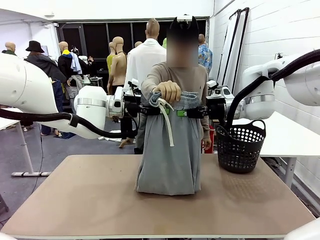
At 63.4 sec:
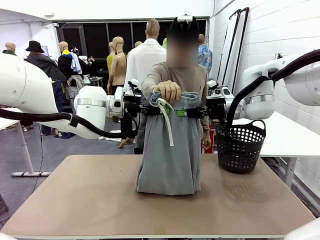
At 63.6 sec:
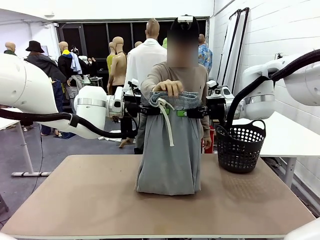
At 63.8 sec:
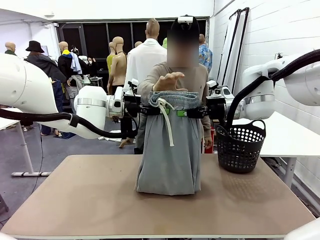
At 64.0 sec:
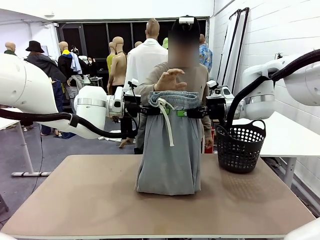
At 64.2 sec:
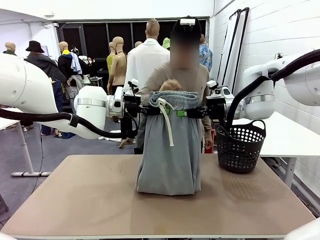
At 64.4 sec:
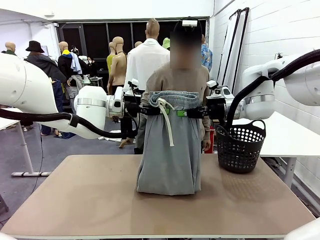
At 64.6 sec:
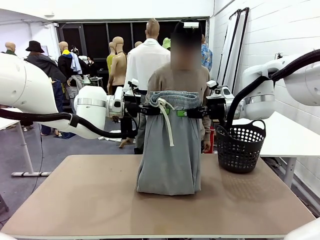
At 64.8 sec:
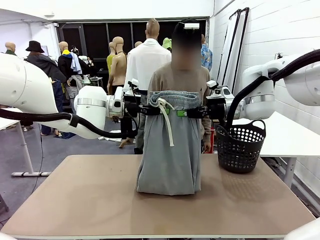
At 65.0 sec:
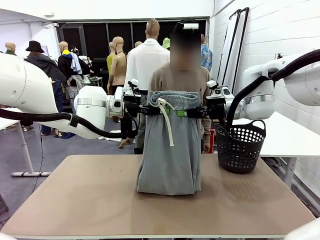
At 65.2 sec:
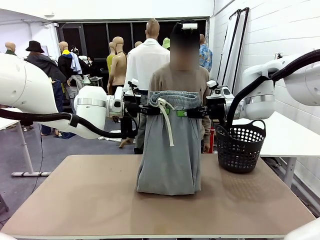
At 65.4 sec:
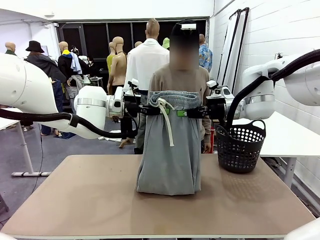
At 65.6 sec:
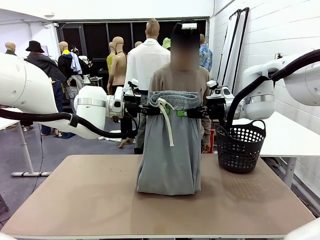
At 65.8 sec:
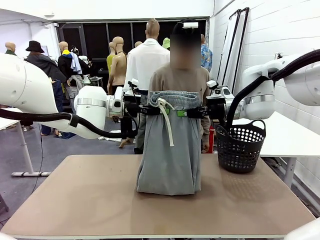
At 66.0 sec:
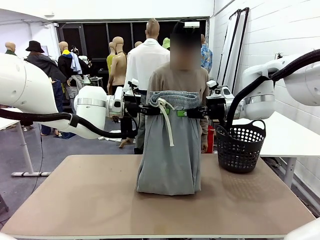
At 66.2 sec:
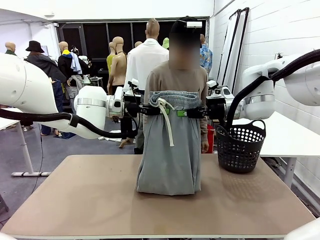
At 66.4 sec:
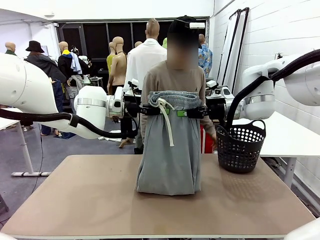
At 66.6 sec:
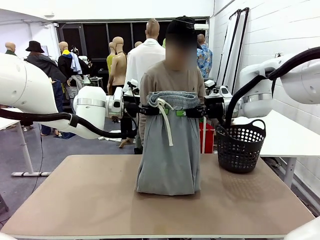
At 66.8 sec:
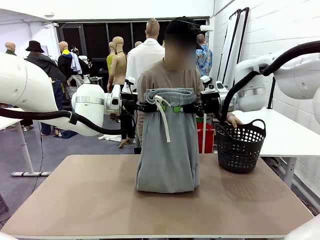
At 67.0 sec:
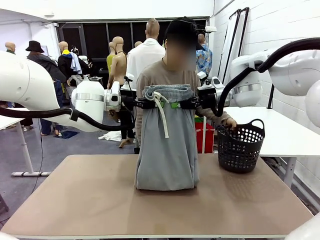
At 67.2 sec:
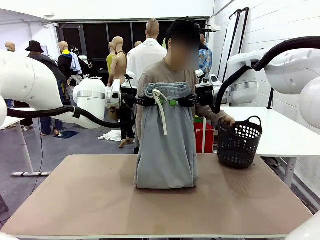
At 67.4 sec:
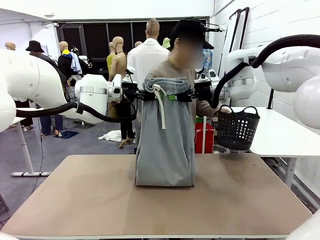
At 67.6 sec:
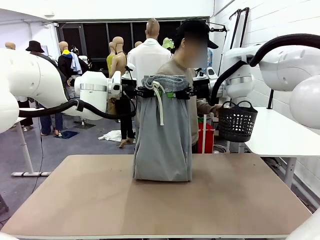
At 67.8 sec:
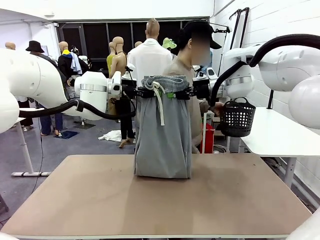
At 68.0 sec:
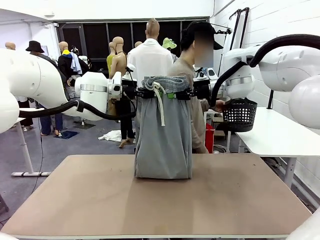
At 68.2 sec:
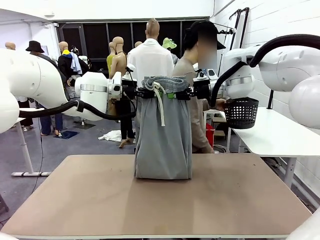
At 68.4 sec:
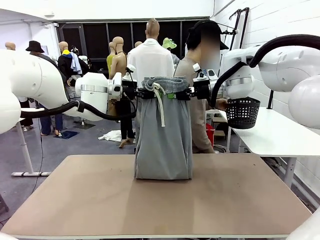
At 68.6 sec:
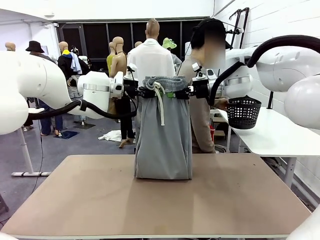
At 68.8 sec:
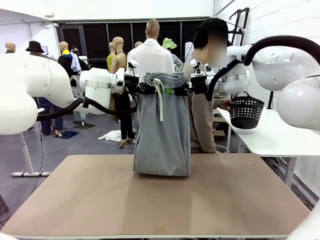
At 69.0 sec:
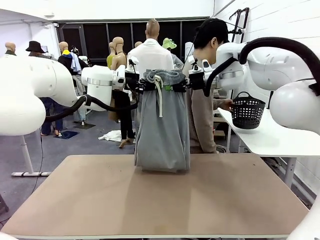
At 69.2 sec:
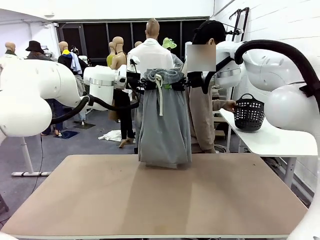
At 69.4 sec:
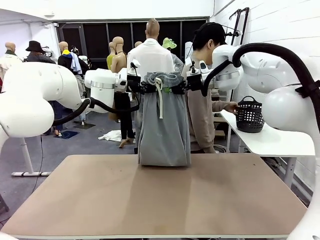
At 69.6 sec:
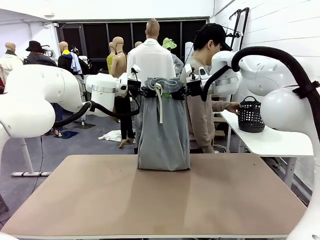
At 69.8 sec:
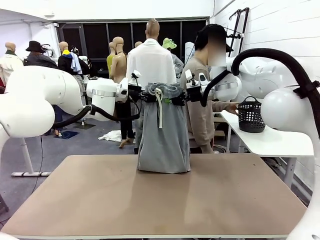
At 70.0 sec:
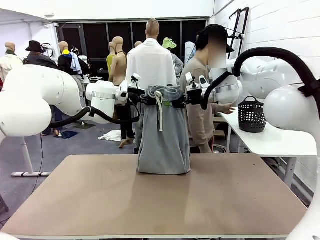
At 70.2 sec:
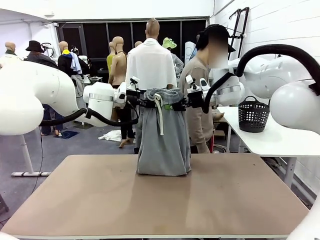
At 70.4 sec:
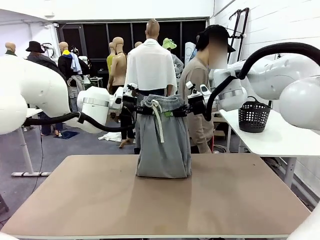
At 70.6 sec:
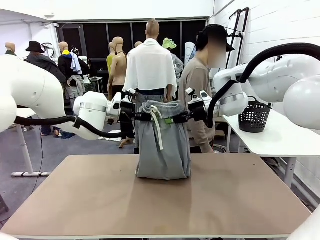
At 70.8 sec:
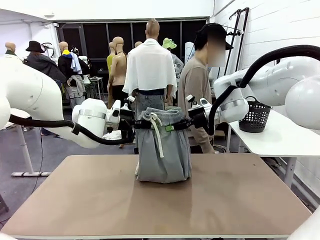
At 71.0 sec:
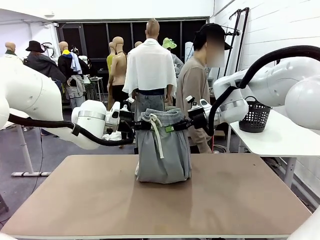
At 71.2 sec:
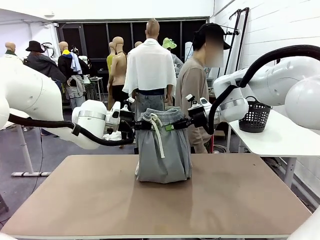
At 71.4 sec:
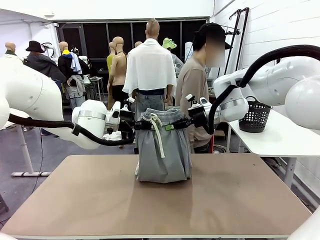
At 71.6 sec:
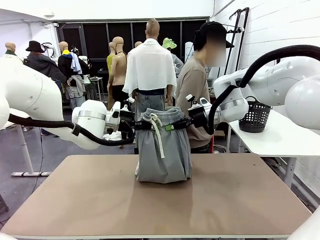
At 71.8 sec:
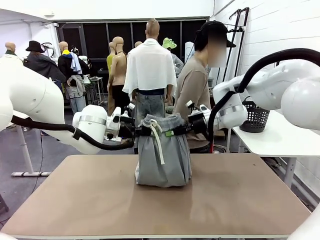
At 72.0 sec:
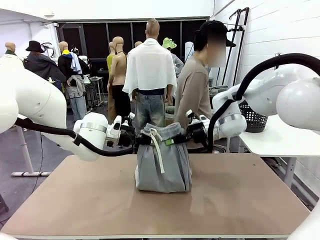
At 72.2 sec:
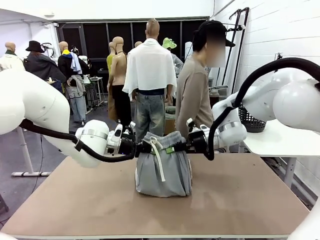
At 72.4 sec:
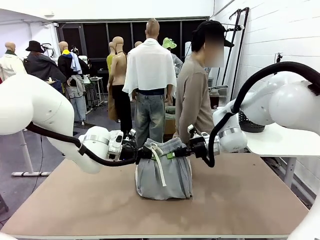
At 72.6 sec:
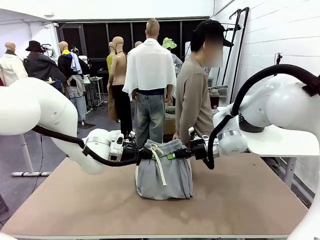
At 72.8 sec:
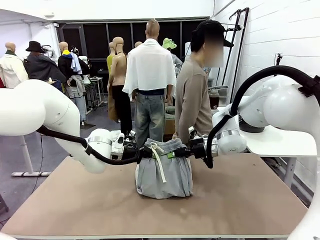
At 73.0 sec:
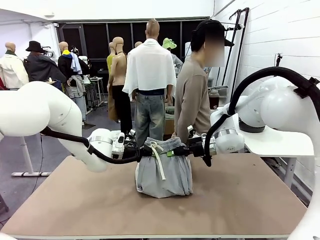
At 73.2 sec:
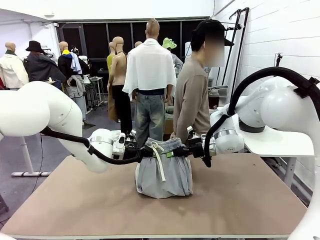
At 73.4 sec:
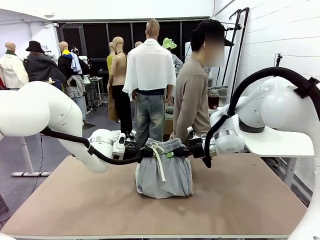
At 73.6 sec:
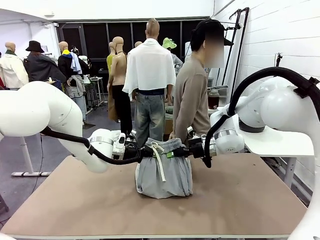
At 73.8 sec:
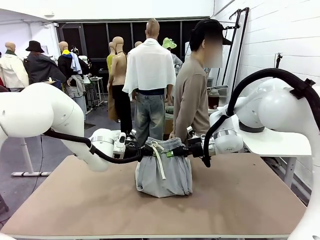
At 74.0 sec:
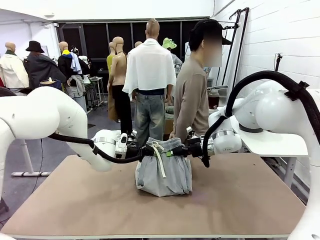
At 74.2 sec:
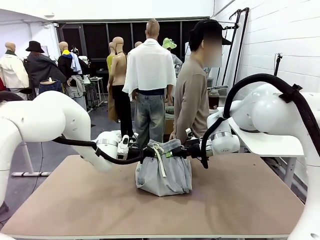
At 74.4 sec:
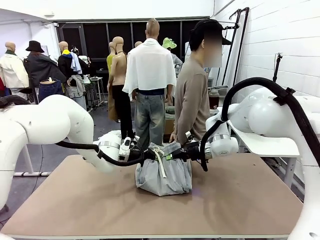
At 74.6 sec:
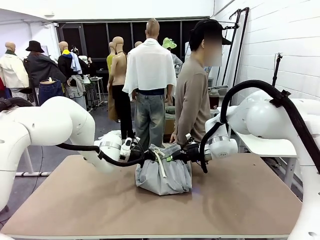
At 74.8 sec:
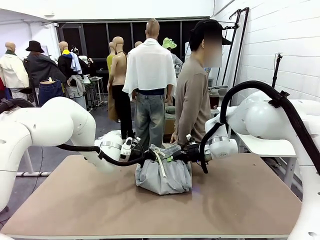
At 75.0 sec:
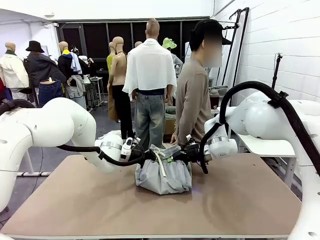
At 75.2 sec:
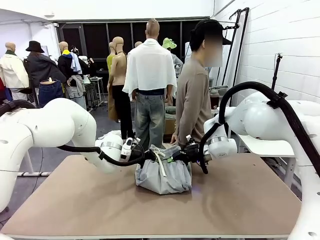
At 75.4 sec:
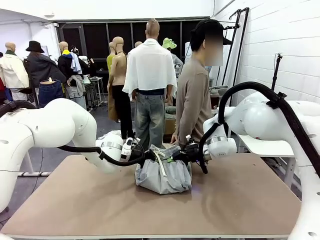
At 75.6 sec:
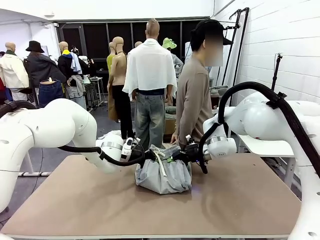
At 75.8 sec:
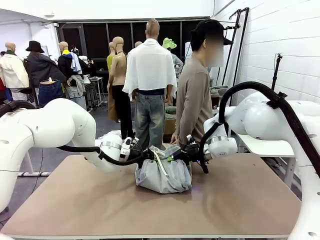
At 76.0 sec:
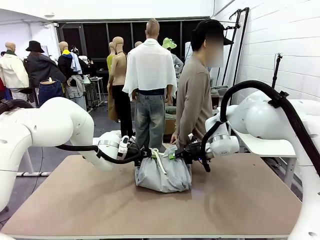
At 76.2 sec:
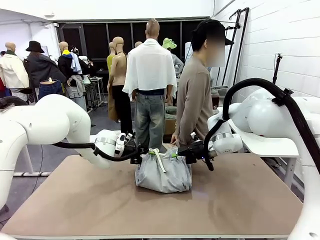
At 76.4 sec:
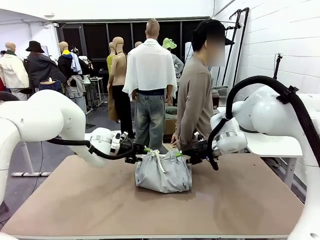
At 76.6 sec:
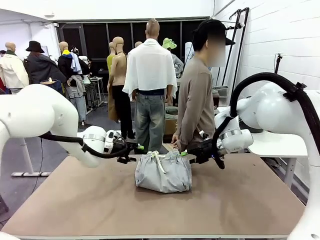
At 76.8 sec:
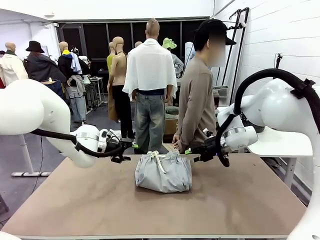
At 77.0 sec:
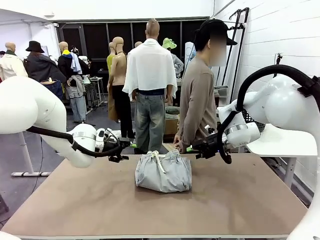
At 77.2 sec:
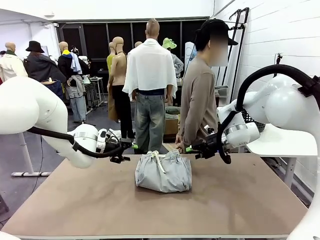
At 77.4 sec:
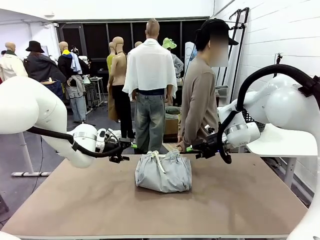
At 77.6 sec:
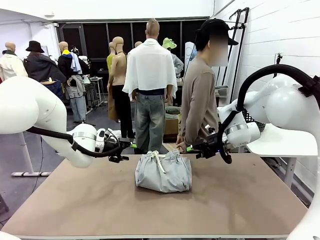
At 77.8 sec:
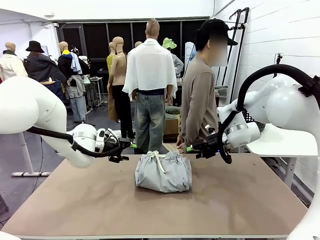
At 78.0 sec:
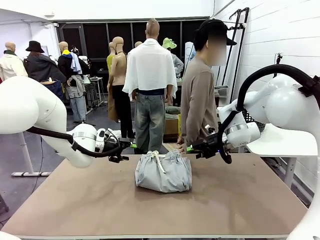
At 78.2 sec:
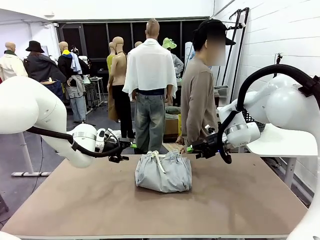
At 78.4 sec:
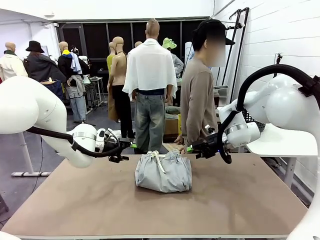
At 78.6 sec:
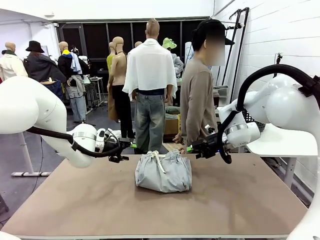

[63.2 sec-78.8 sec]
Task: Fold the training pants.
Robot: Fold the Training pants in half.
Person: Move the laundry basket to the right of the human table.
